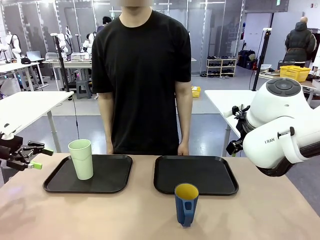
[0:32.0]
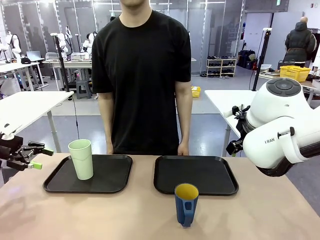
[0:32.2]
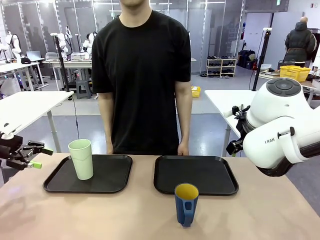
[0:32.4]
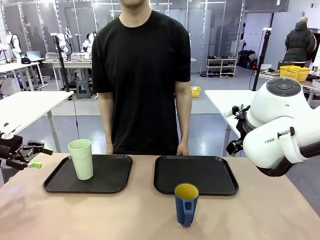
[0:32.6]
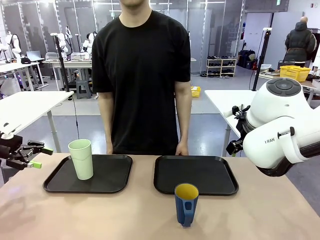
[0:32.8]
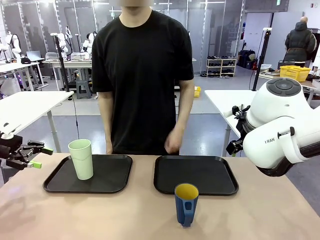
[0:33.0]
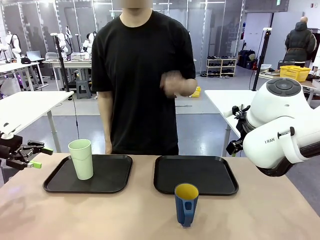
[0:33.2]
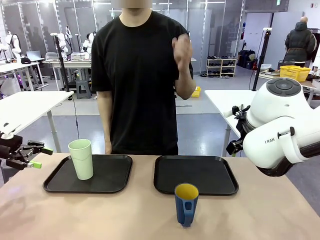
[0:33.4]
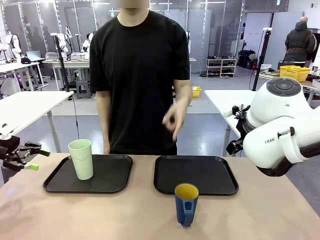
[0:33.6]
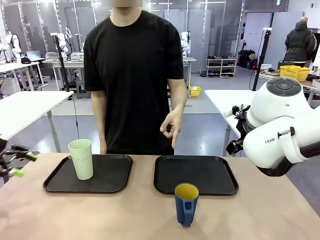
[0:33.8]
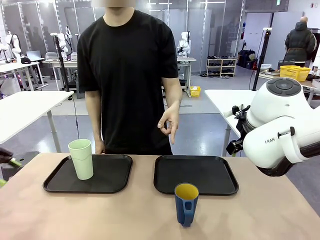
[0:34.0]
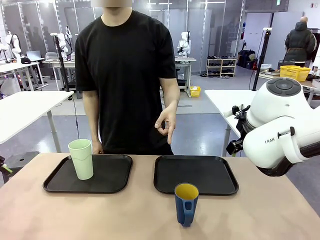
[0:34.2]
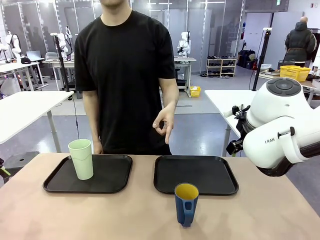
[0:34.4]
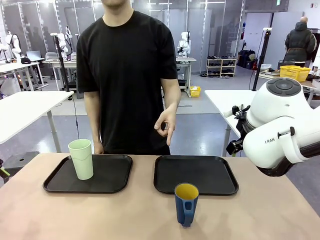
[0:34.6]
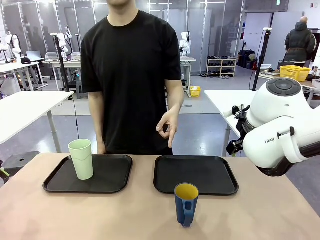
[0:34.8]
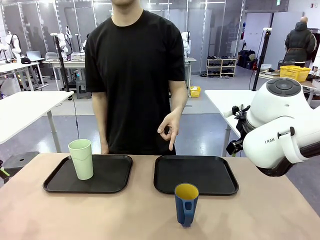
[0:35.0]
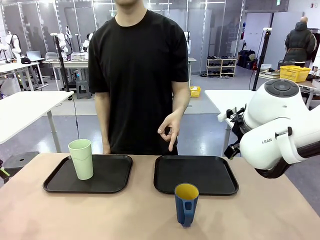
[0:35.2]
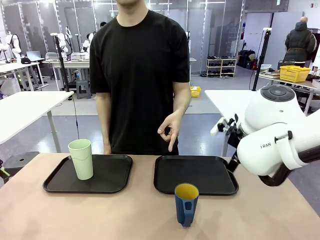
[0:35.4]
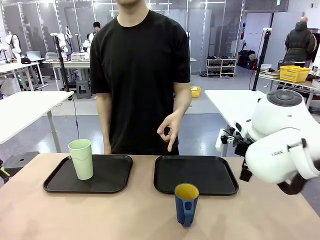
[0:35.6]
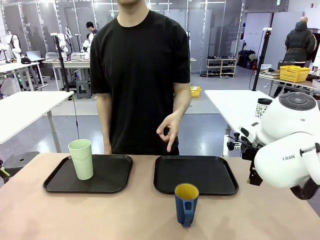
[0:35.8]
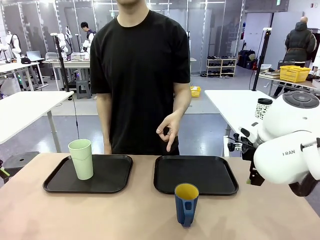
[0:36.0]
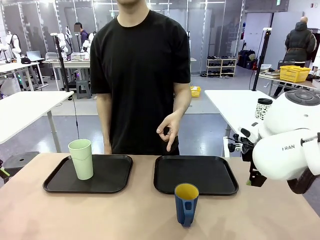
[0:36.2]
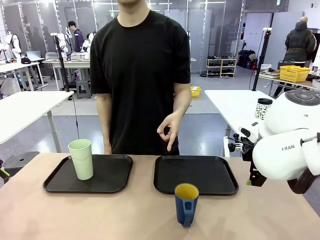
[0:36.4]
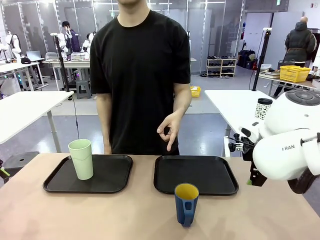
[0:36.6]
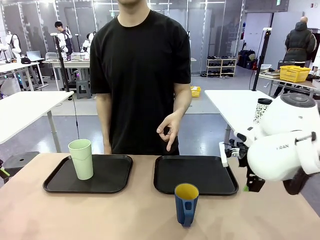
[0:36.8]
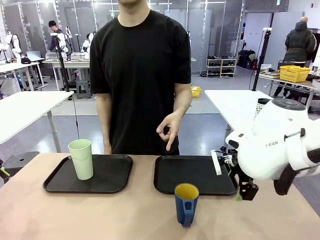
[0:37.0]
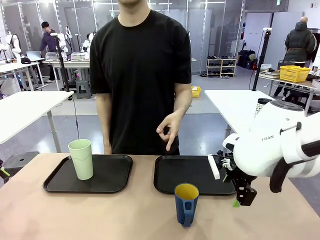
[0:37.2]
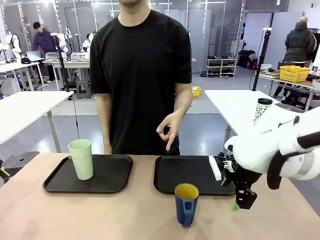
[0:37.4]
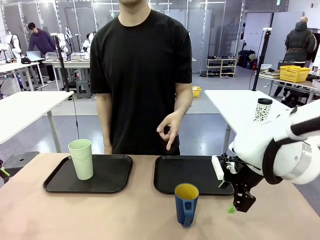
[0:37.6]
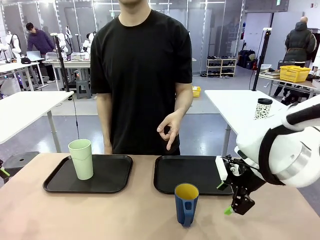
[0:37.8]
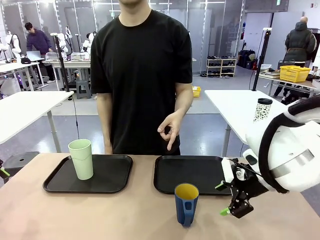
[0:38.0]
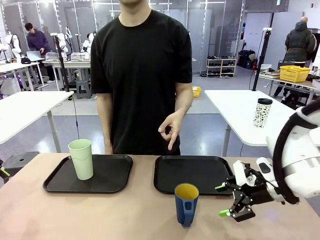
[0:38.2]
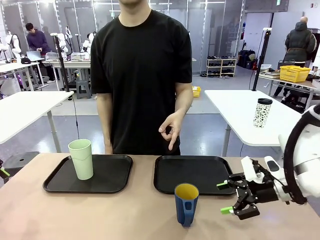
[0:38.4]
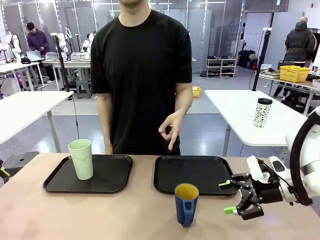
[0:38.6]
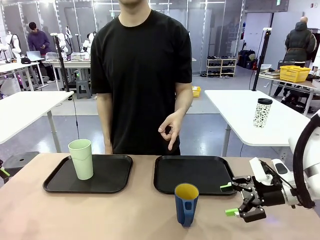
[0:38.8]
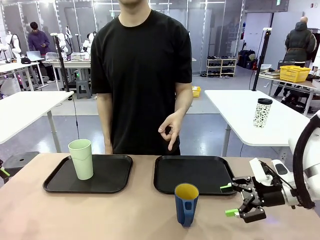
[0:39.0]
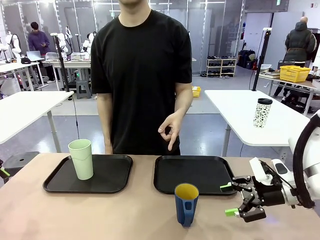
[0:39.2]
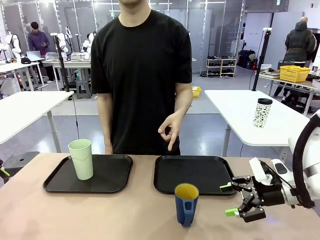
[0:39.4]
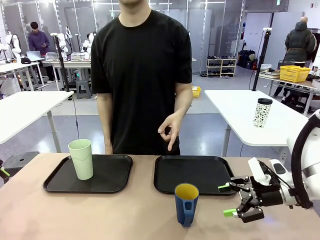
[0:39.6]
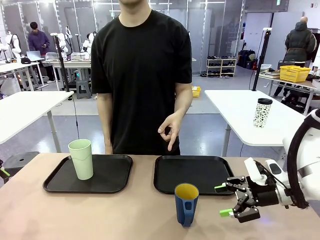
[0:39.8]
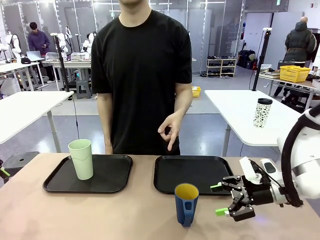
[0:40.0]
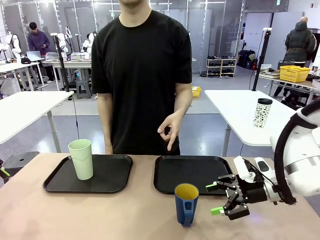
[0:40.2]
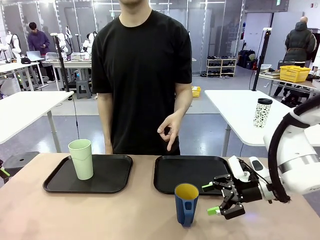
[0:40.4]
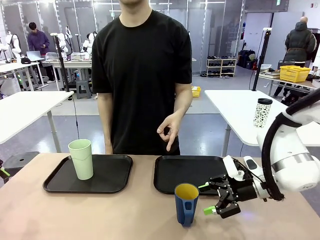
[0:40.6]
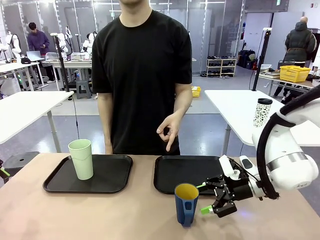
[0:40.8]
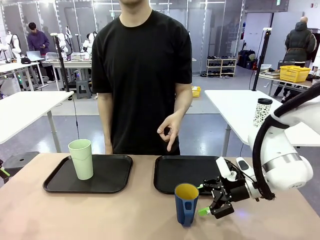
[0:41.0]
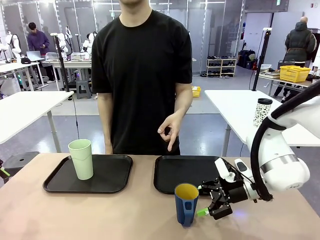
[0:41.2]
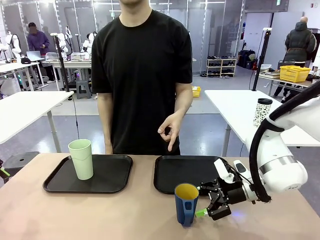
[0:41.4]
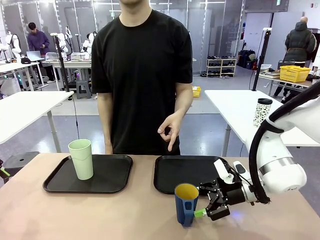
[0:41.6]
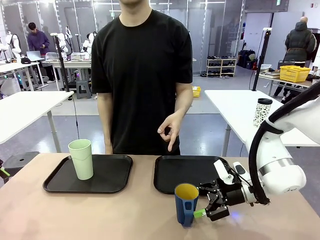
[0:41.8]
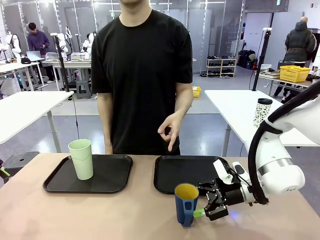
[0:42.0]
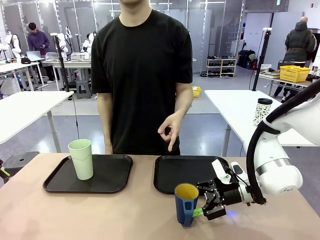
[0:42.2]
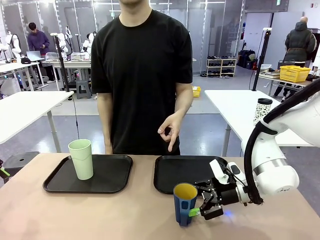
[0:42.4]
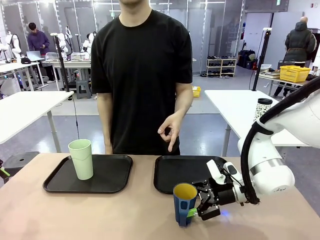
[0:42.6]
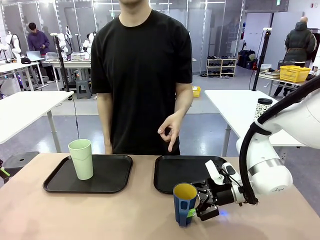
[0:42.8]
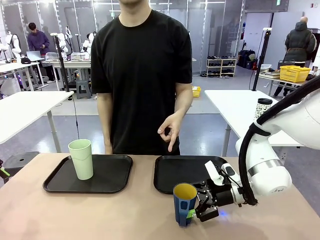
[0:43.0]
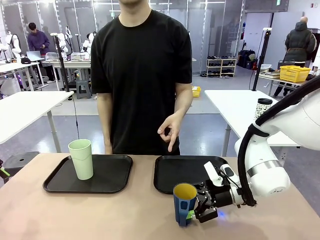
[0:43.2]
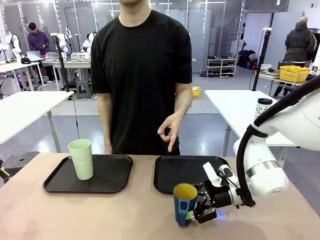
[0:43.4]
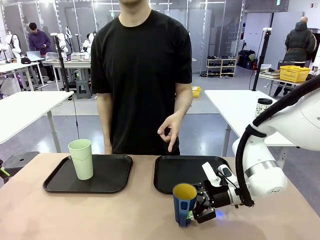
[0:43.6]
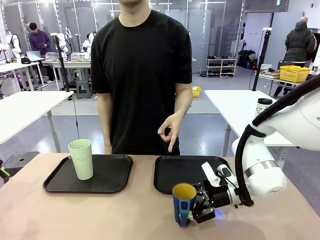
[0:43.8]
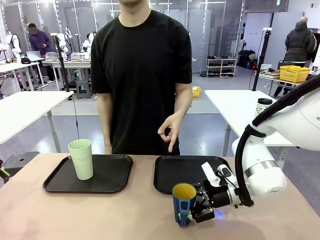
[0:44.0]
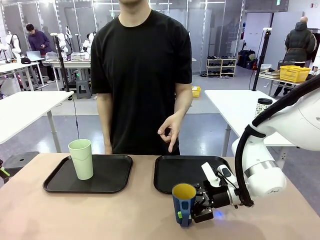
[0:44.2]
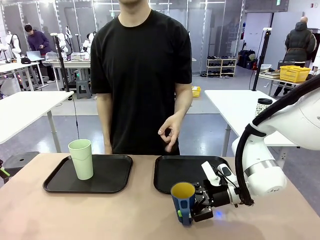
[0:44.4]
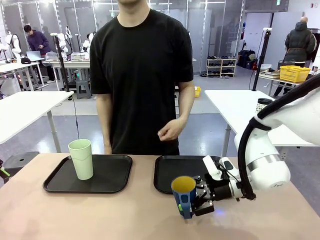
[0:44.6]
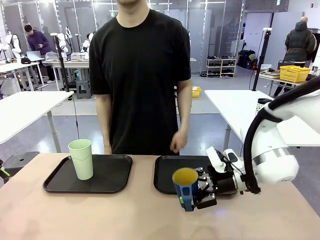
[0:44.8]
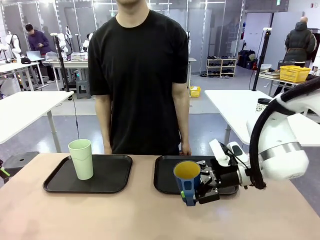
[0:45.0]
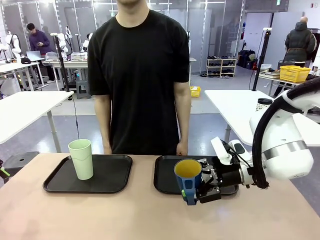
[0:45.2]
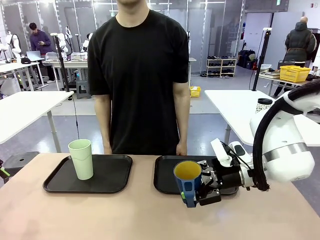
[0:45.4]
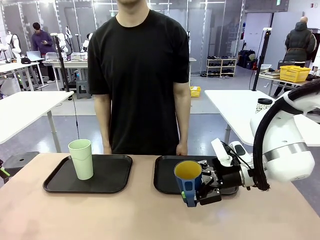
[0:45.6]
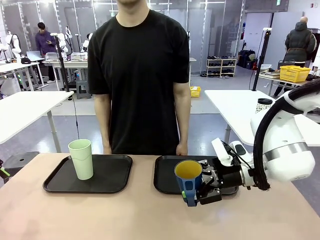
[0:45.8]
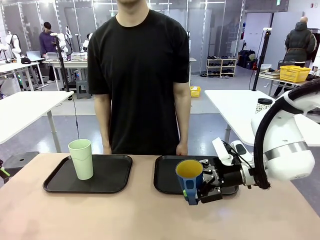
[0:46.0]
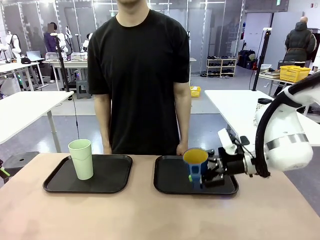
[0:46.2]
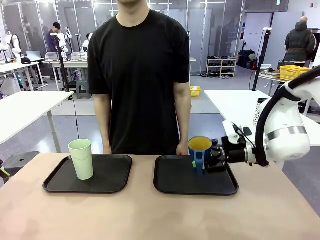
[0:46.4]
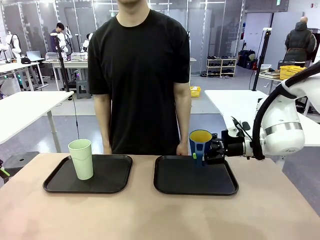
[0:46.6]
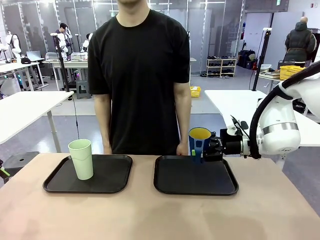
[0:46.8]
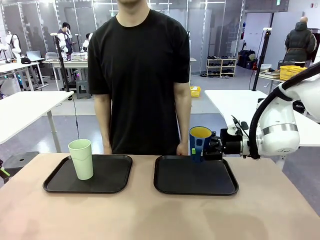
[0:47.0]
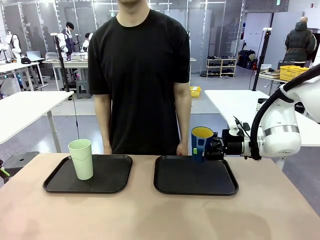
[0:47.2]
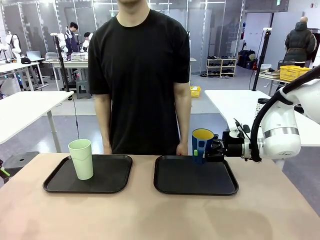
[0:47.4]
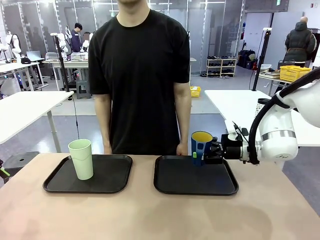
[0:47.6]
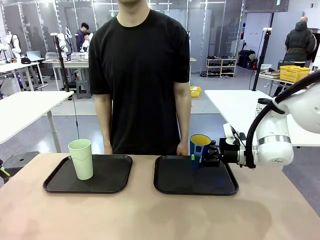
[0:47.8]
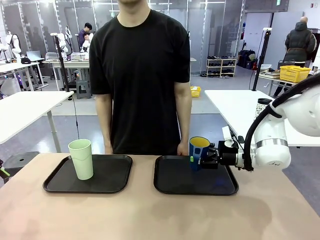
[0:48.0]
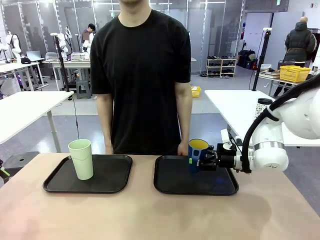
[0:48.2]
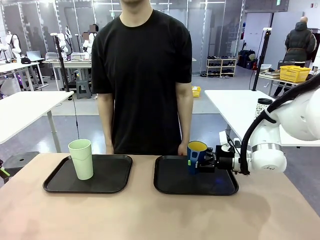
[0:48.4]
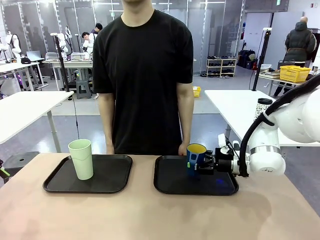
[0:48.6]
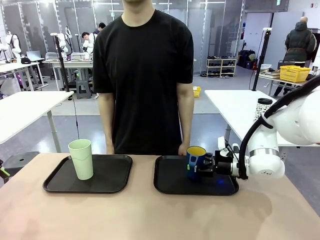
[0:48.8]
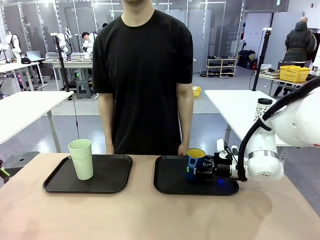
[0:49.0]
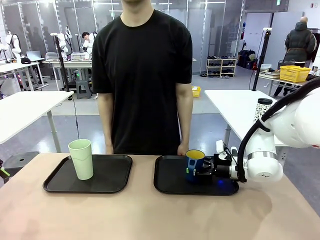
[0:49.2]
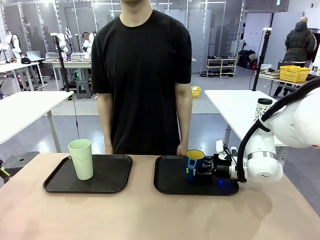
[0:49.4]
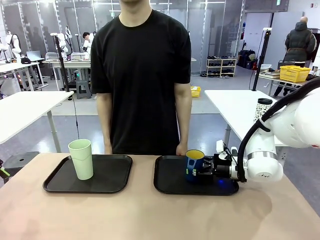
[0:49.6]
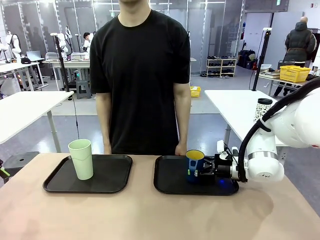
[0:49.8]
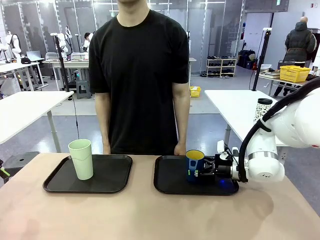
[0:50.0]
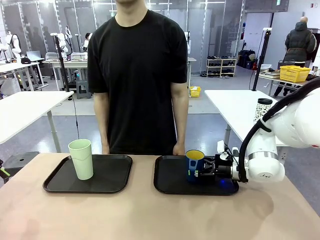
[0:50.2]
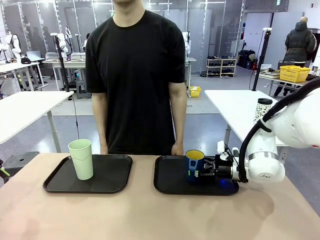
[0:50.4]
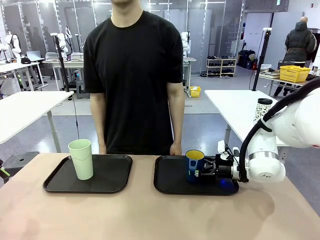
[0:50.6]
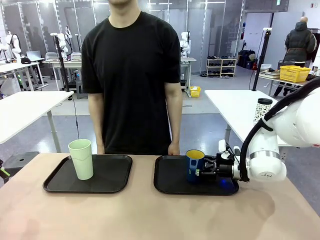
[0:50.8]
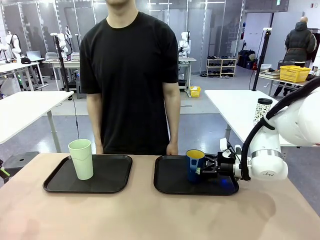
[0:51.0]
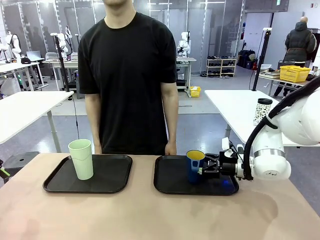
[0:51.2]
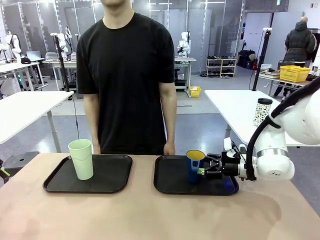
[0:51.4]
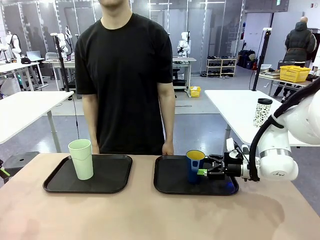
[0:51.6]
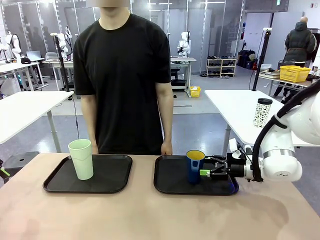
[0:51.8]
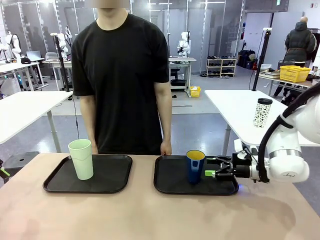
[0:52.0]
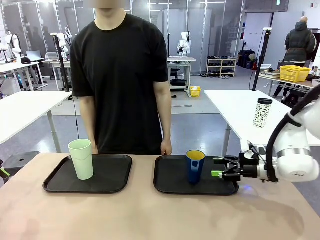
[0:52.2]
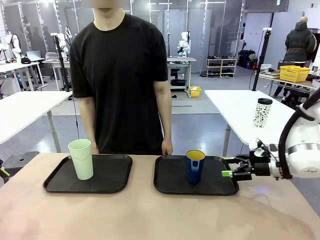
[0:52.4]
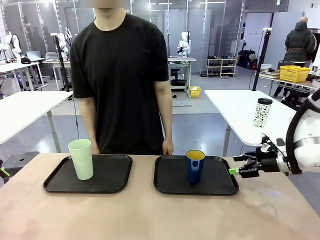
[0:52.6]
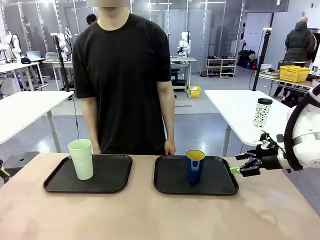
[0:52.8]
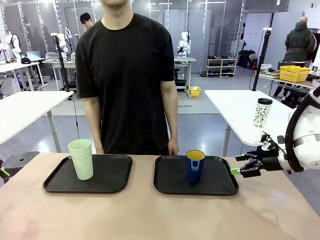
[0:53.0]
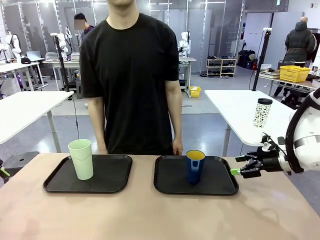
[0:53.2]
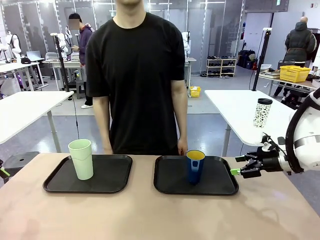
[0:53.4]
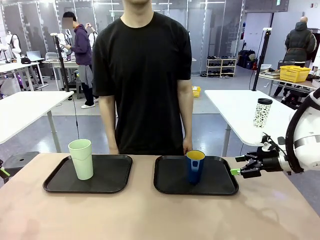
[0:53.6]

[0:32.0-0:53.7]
Task: Sort and store the cups by type.
Robot: Pick up the Handle plastic cup and place it into the empty Flat Tray.
Person: Points to the cup with a handle.

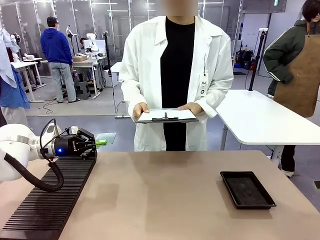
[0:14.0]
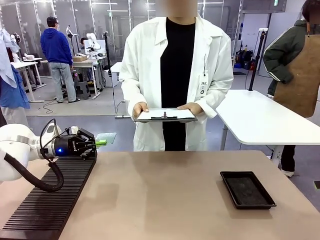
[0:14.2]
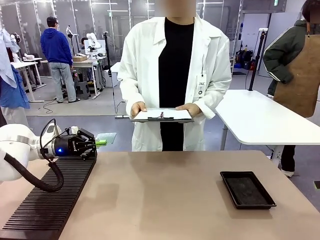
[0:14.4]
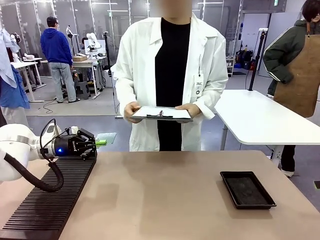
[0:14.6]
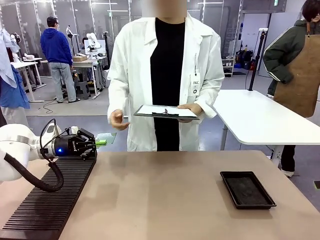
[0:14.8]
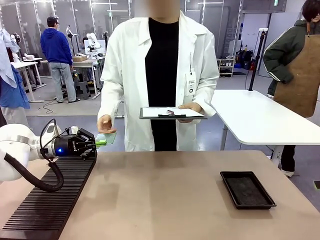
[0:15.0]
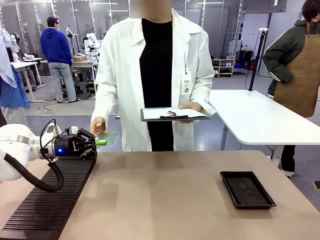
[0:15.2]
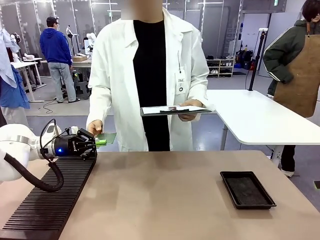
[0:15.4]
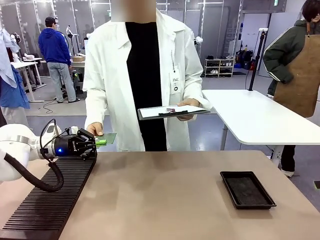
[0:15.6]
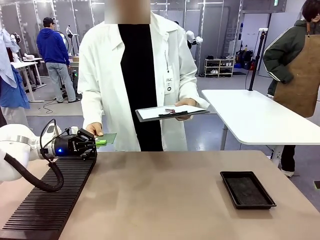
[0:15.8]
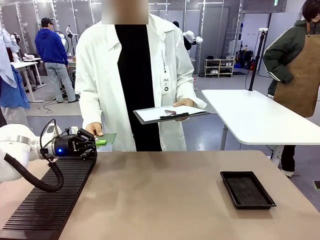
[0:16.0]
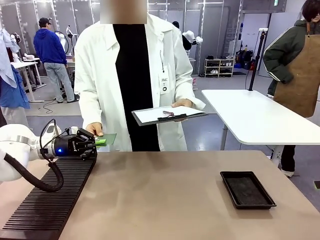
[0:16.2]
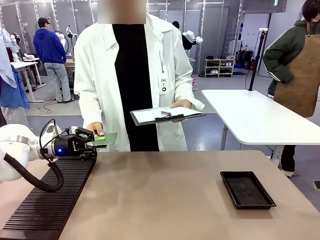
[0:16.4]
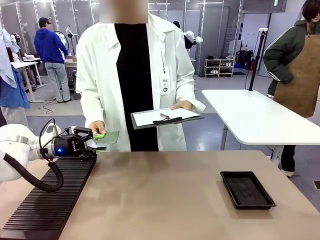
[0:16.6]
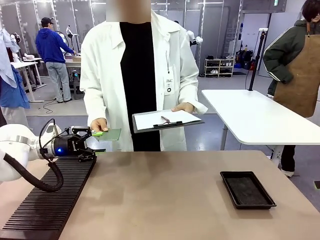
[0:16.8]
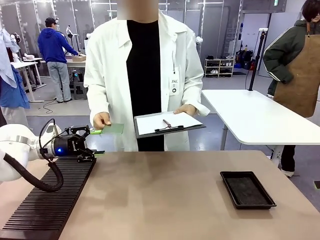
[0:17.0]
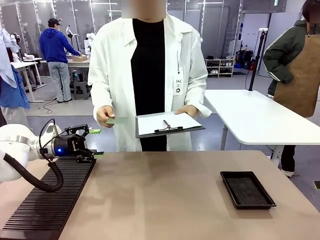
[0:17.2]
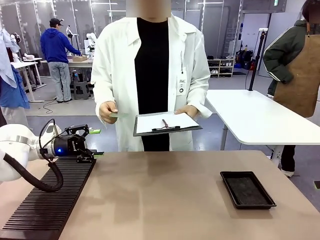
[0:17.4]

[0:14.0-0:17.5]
Task: Inspect the PCB.
Robot: Release the Blank PCB you were holding.
